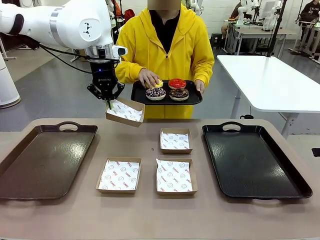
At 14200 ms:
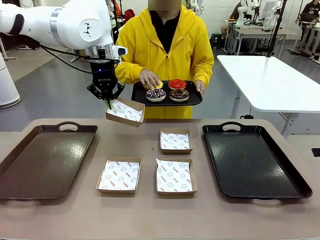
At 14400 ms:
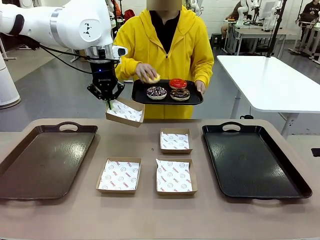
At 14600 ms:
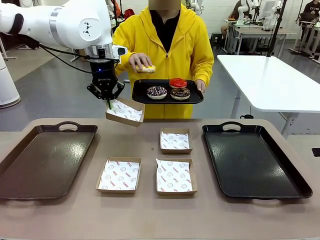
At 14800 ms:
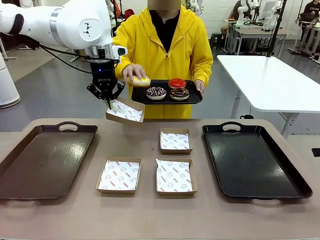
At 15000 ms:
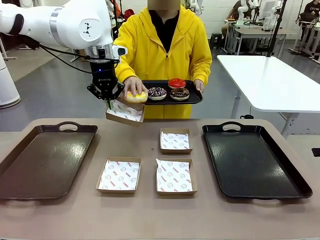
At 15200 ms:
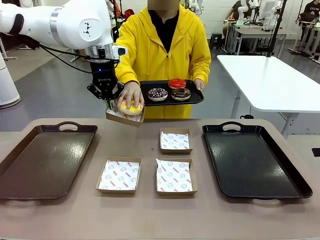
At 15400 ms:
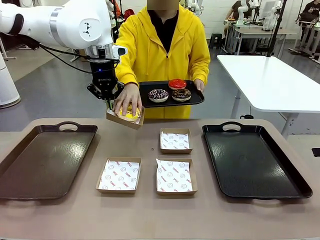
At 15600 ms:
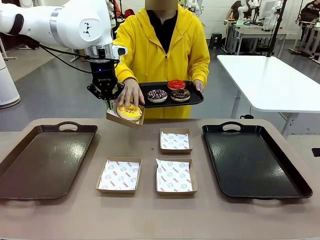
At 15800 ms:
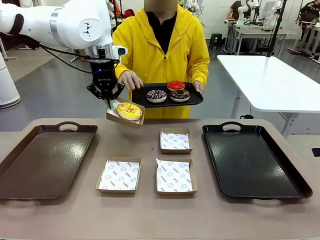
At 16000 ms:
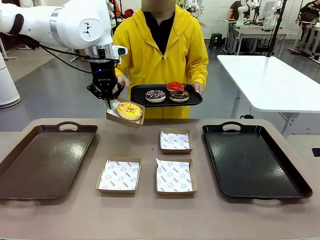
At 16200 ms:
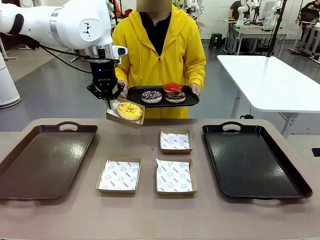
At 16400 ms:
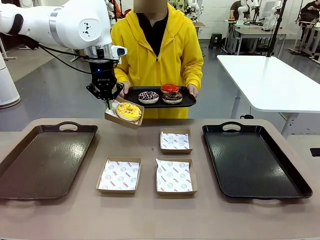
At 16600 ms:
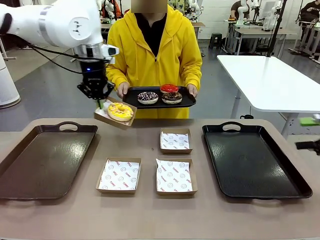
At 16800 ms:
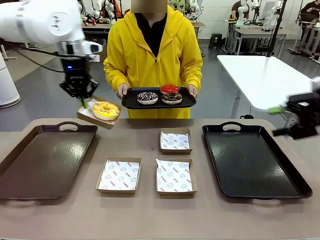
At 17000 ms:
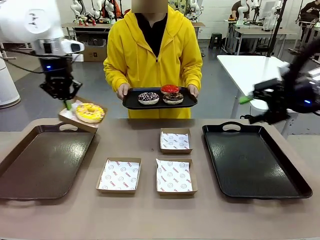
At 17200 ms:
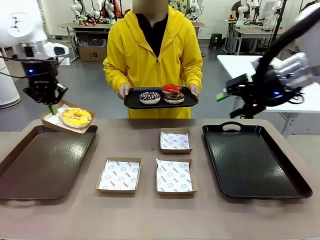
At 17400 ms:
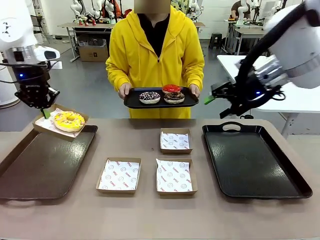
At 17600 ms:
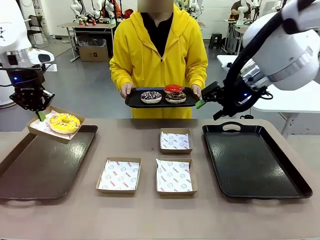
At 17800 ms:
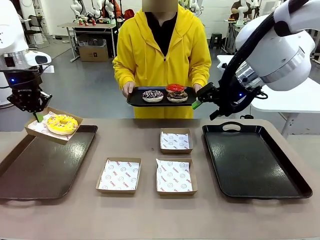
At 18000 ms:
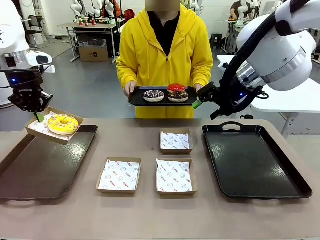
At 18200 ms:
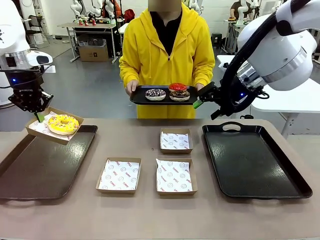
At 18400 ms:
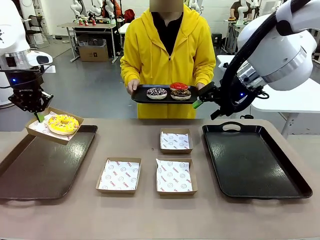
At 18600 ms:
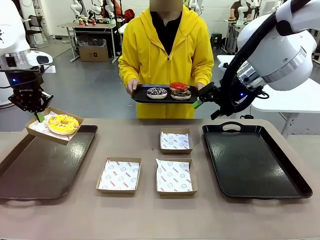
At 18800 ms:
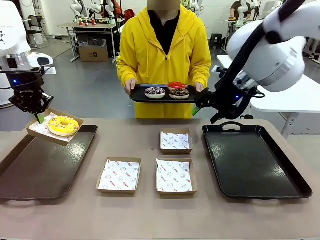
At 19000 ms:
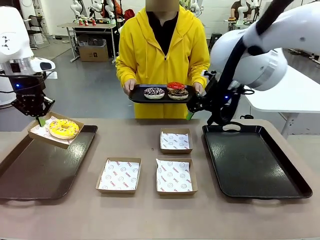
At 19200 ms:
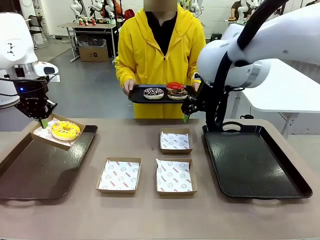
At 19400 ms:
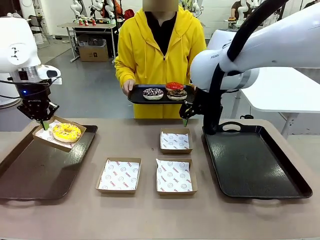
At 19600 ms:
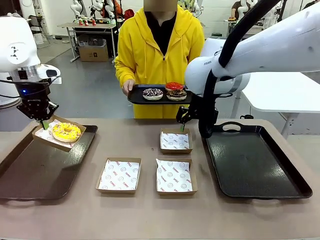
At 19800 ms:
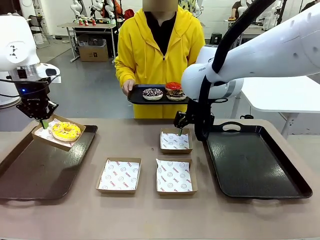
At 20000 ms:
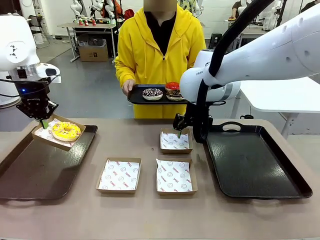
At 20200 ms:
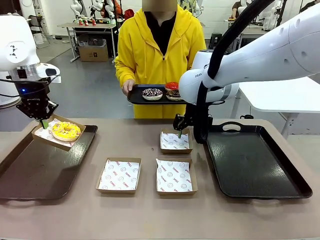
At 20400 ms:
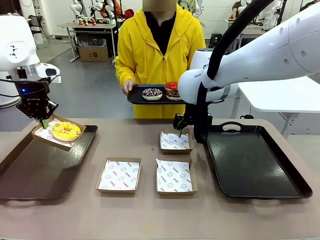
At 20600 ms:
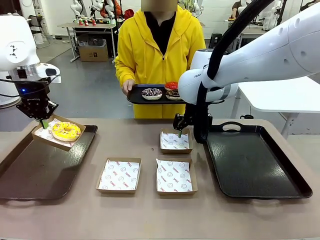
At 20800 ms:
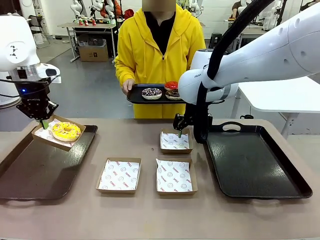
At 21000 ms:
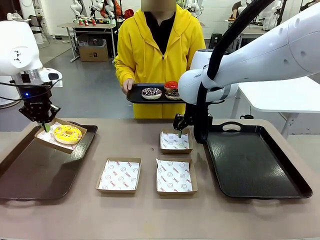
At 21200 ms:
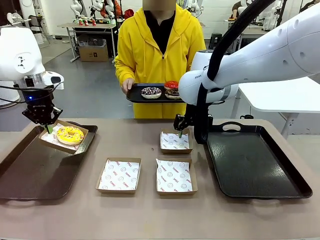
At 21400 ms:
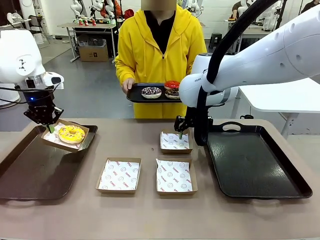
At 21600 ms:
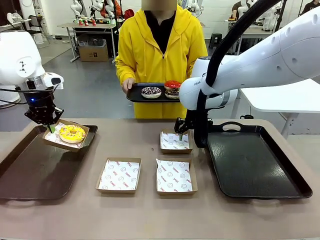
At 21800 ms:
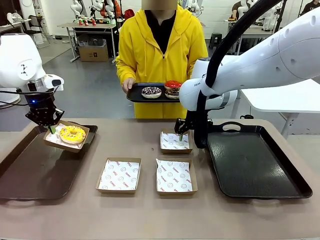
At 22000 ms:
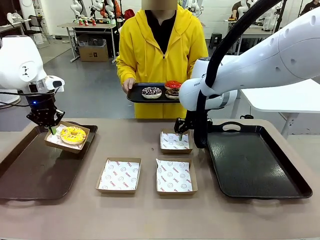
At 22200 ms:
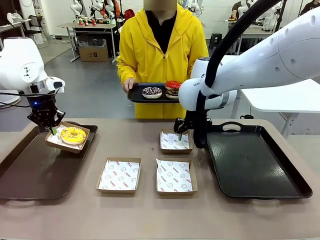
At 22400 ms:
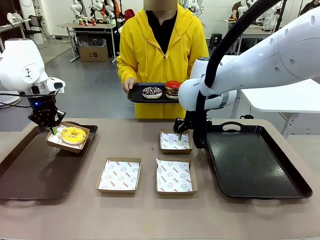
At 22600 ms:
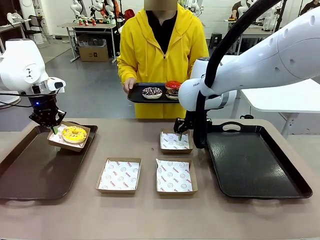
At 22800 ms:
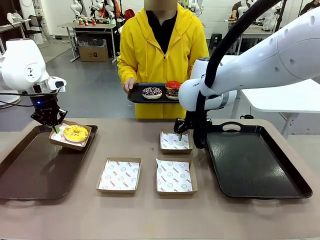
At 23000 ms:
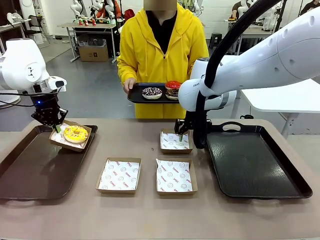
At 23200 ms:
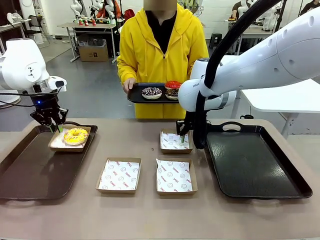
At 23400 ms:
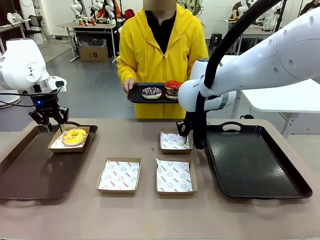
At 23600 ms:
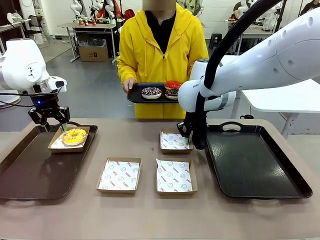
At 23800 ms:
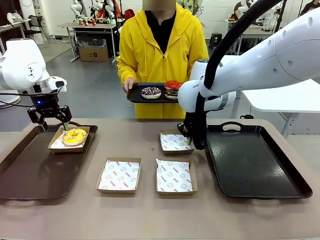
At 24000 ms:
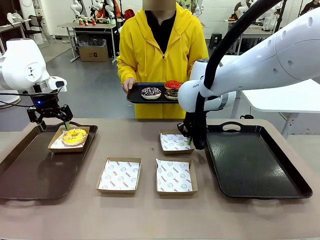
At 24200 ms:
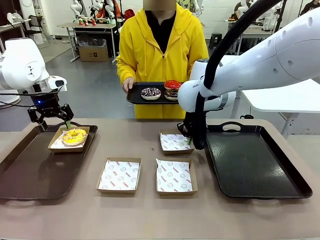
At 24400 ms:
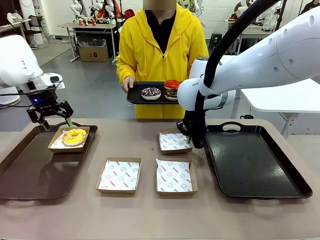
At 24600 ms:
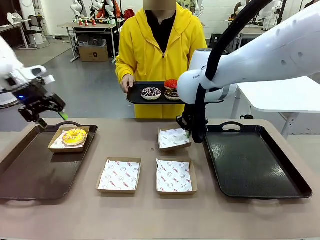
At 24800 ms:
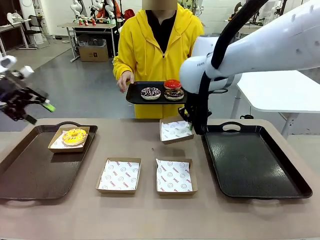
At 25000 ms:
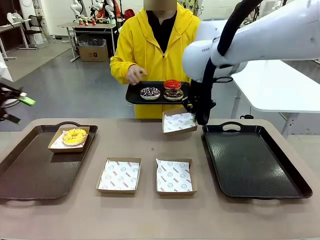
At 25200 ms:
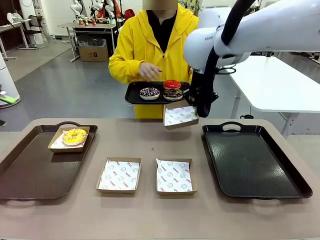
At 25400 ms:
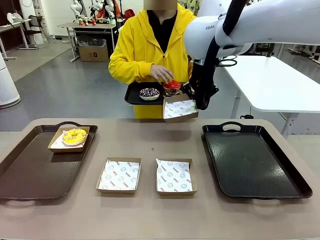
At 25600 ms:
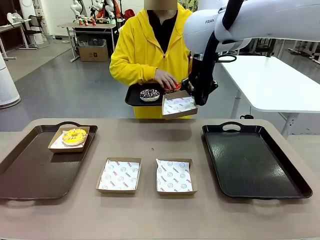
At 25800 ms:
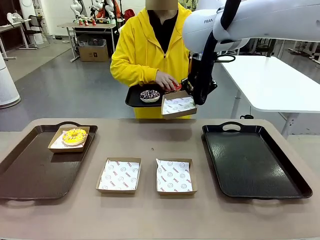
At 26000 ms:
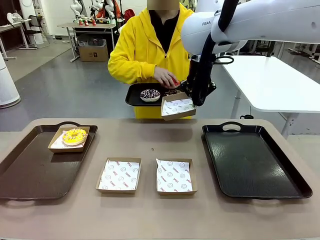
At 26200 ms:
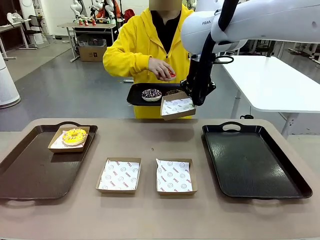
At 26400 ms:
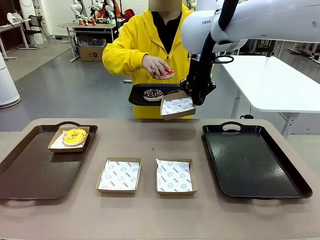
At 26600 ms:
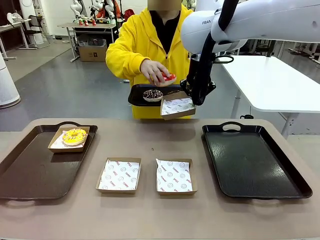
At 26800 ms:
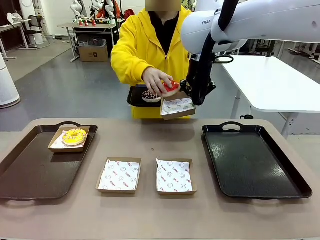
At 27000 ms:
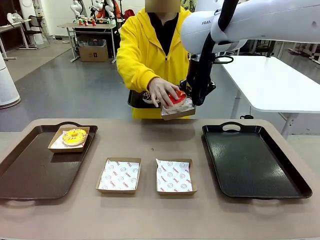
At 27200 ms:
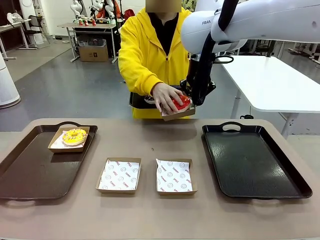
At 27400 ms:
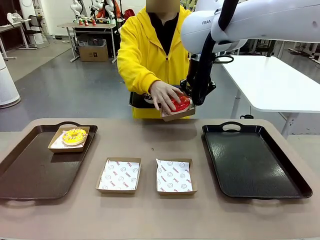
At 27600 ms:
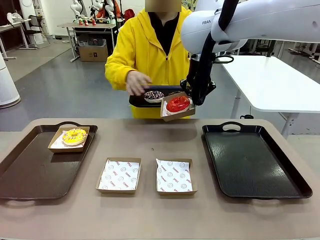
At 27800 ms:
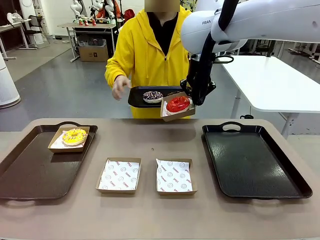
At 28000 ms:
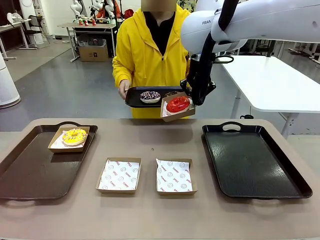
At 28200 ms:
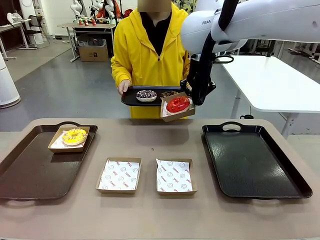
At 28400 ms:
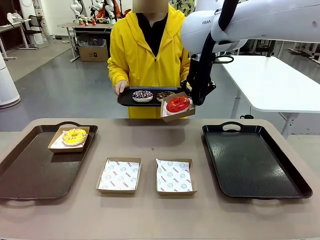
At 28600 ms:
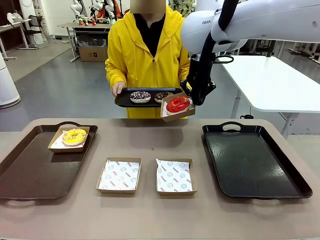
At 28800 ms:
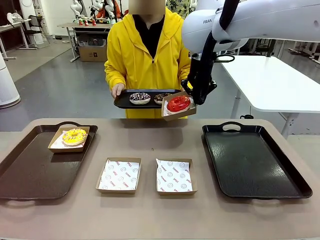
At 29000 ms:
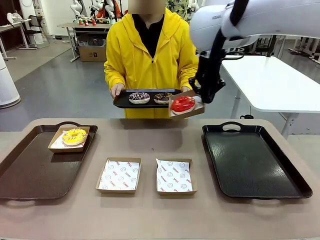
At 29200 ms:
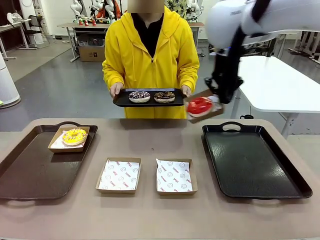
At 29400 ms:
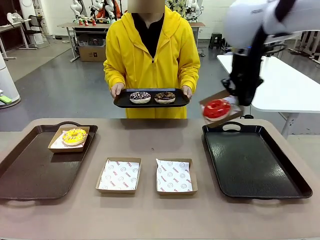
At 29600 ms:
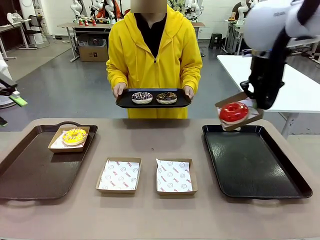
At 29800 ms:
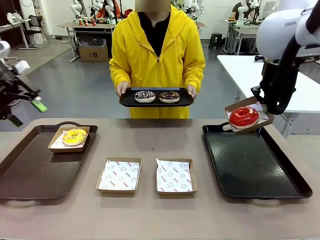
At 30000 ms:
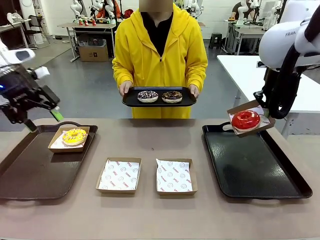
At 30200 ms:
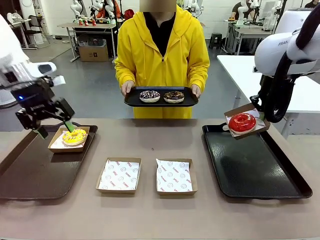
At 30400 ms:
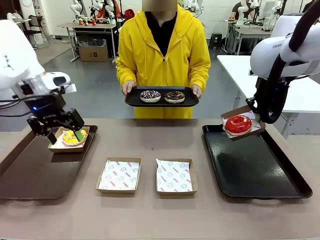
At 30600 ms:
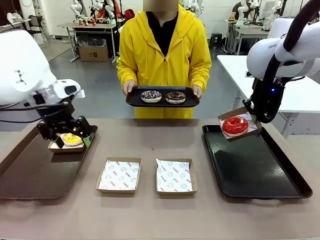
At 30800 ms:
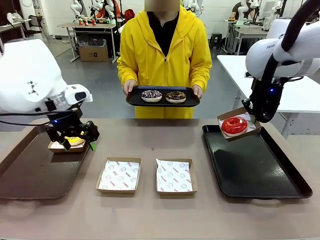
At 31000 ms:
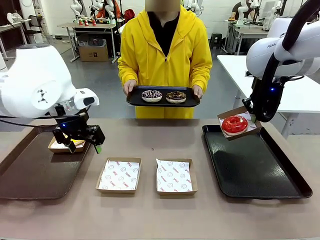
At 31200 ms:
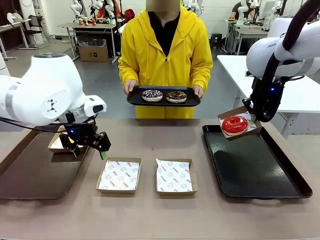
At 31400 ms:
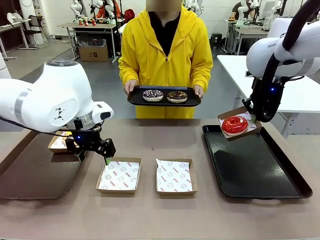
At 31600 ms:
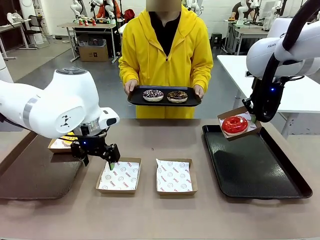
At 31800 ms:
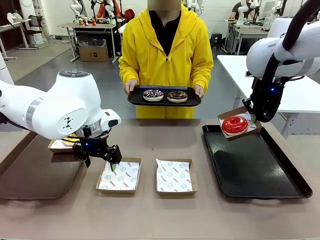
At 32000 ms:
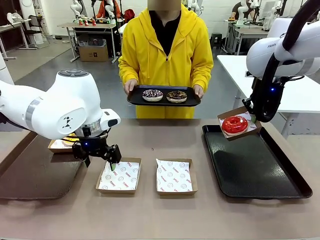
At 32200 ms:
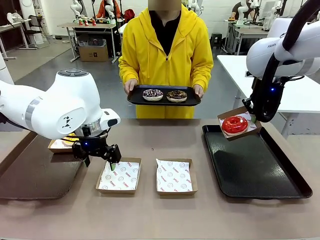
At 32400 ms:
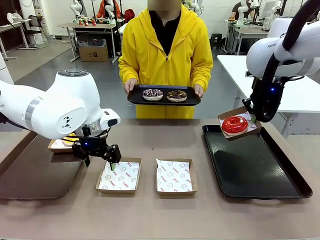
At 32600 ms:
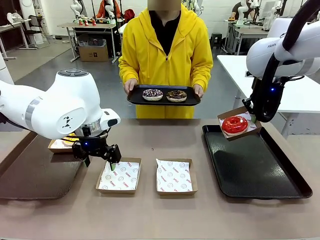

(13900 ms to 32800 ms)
Task: Individually package the donuts and arrange them on the tray.
Robot: Place the picked Paper togo box on the Handle tray while simultaneously picking up another Paper togo box from the table with the other hand.
